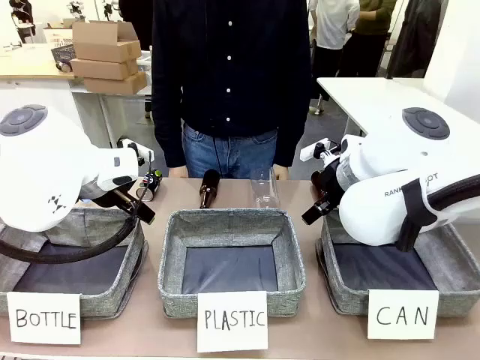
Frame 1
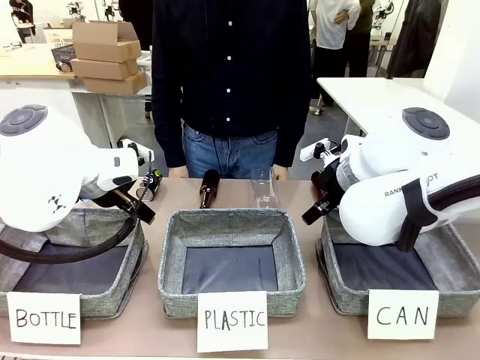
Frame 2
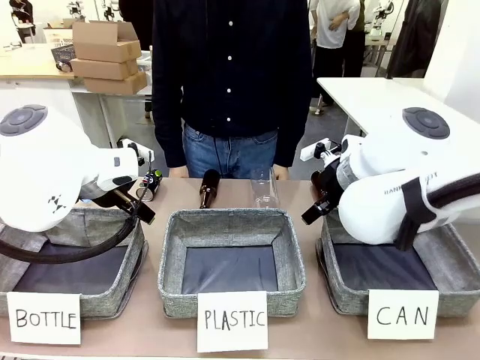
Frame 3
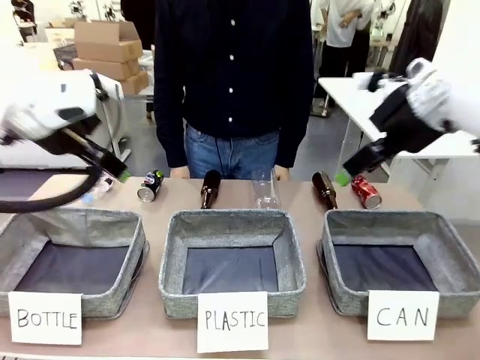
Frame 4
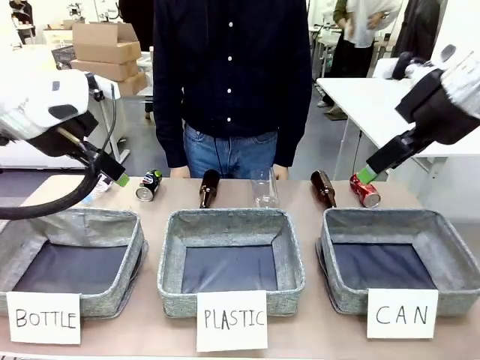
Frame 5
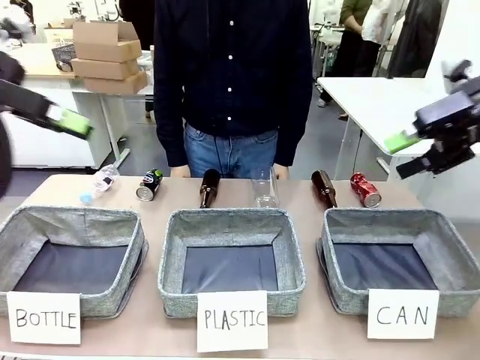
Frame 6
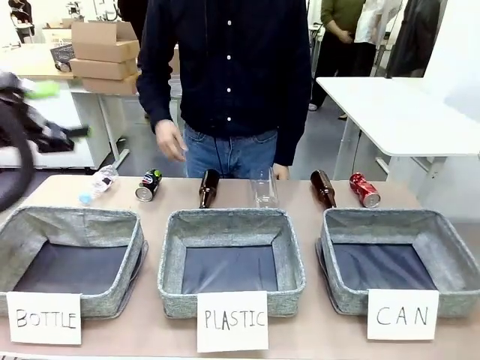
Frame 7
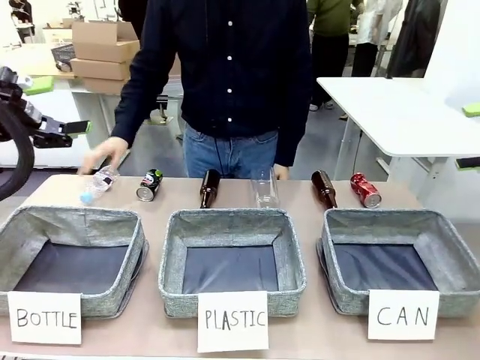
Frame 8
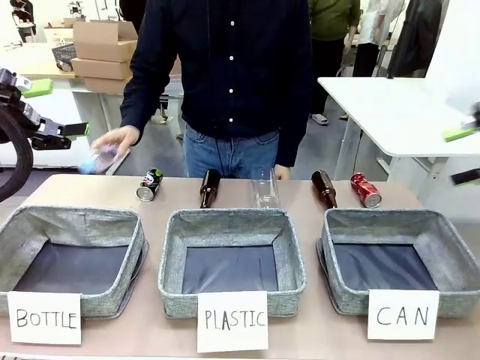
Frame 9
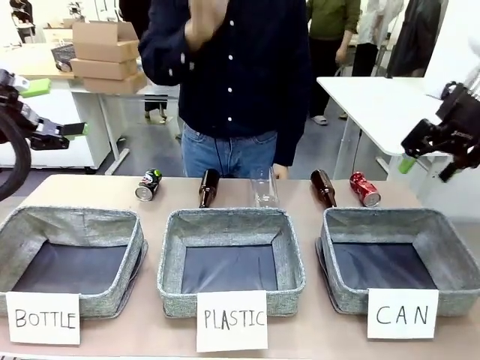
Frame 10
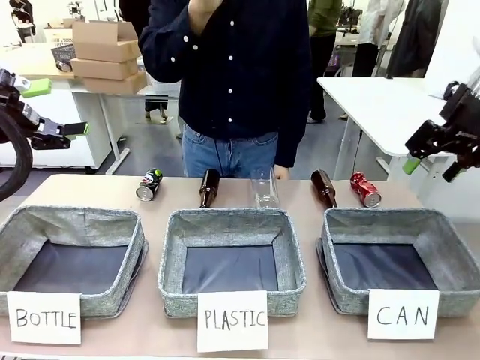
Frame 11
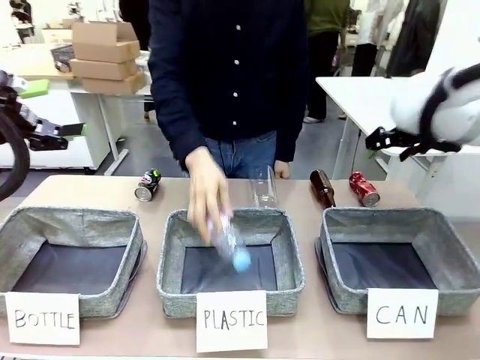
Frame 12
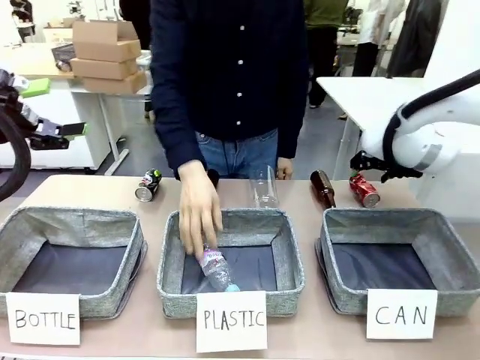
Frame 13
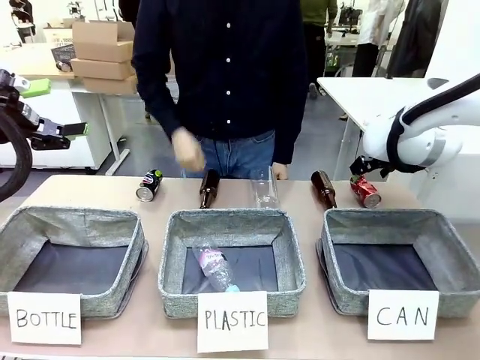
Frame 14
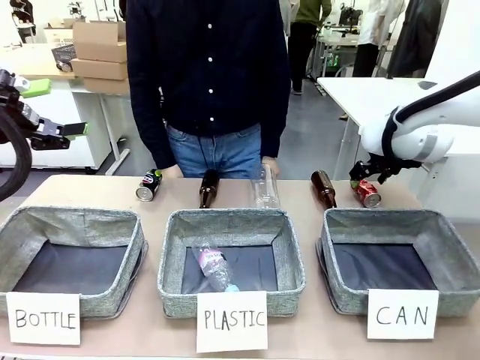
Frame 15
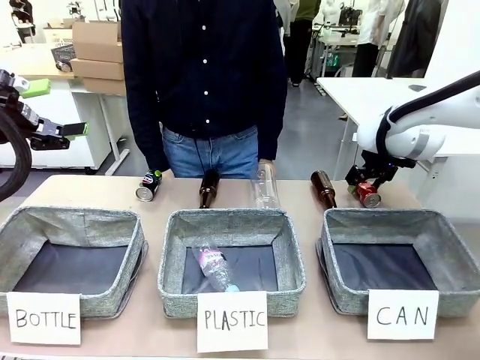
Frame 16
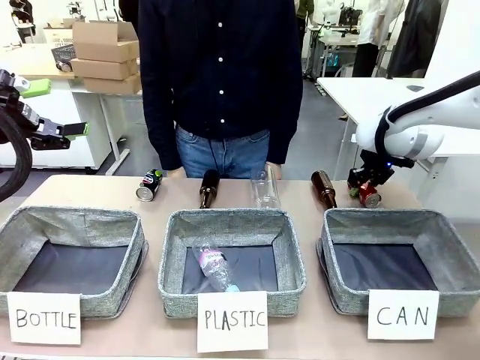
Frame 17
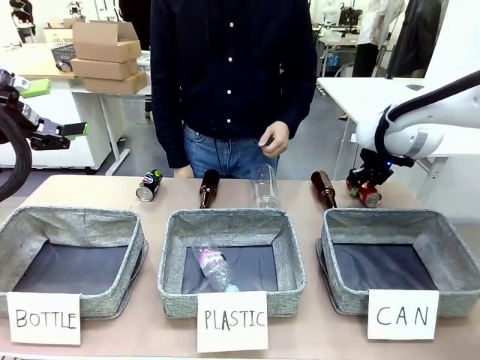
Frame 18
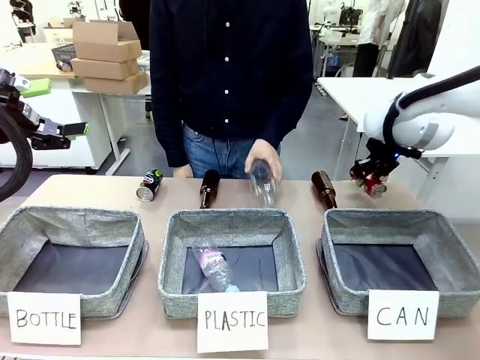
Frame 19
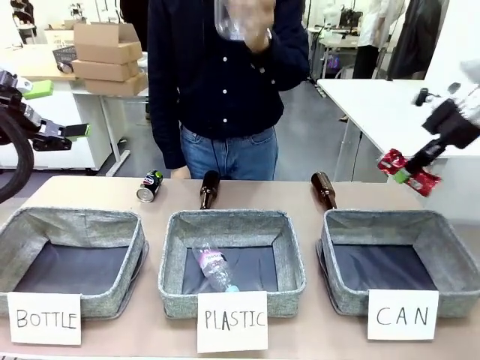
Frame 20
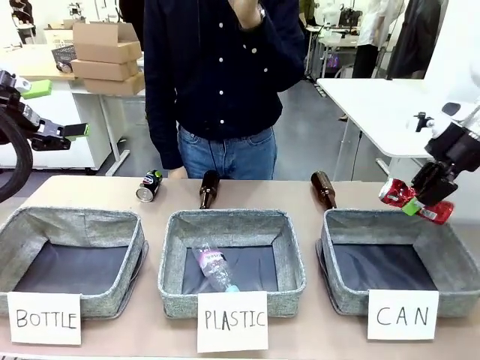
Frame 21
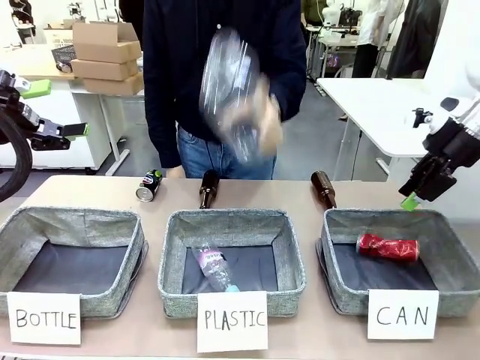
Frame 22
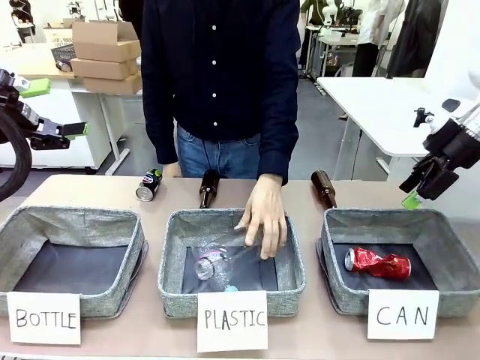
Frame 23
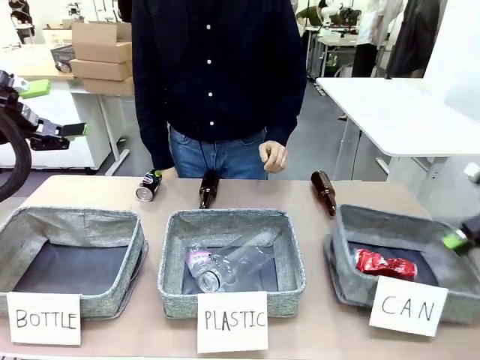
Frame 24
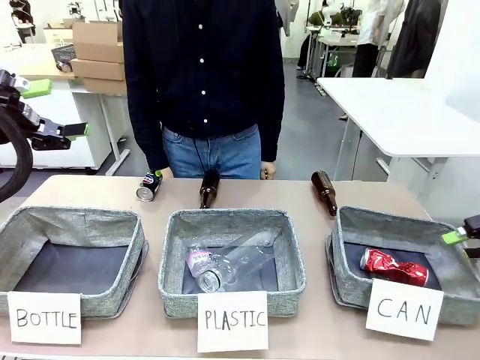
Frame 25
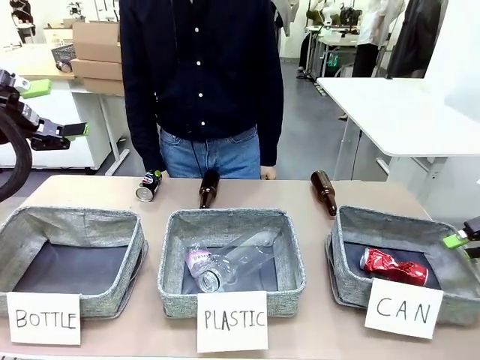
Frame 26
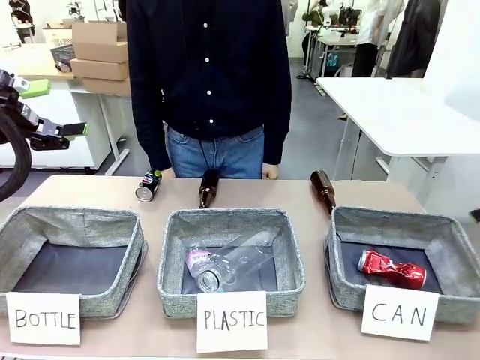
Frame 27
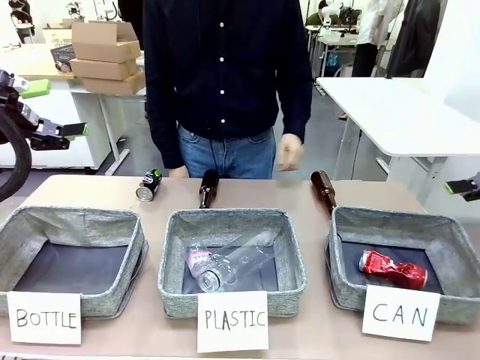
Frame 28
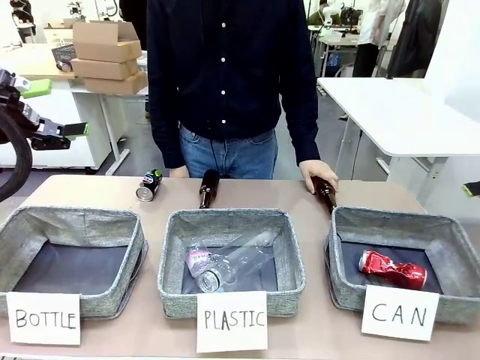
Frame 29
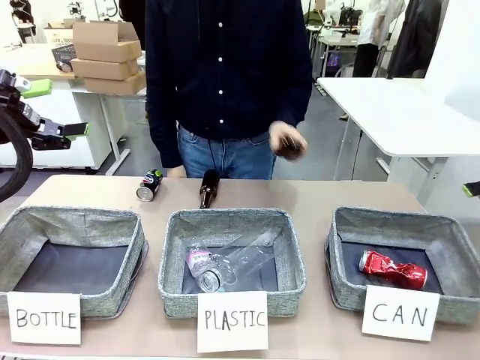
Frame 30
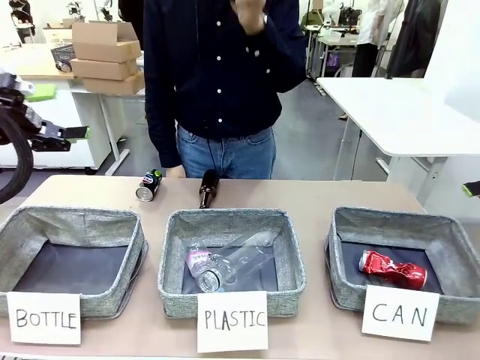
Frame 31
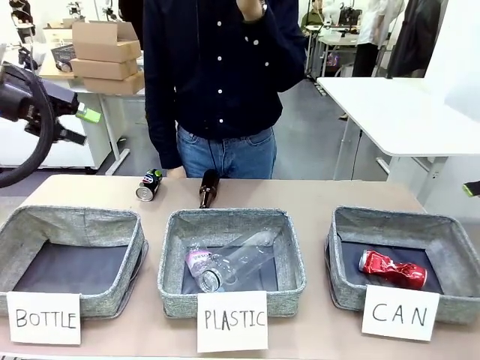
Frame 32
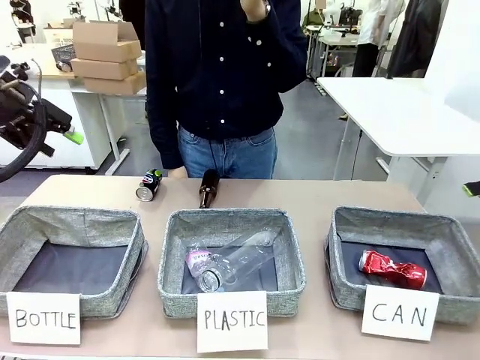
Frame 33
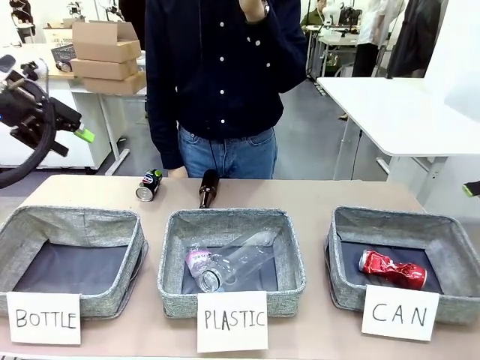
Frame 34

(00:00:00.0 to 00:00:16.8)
Task: Sort the can waste into the basket.
Robot: Pick up the can waste from the table and place it in the right Fabric basket.

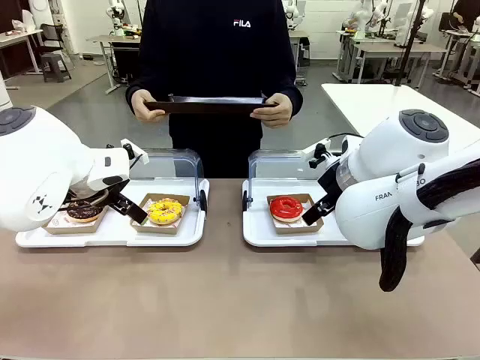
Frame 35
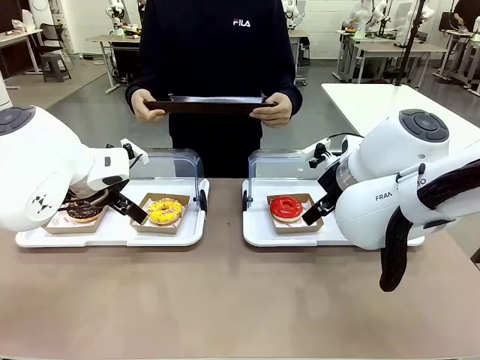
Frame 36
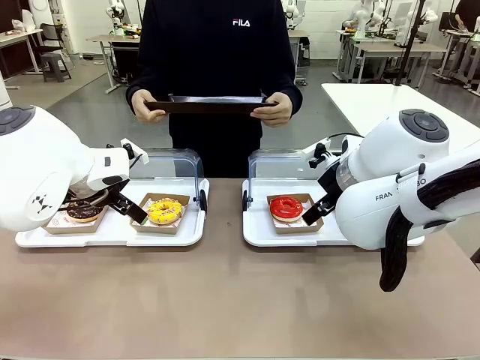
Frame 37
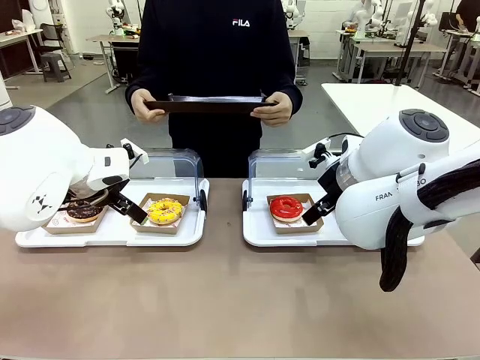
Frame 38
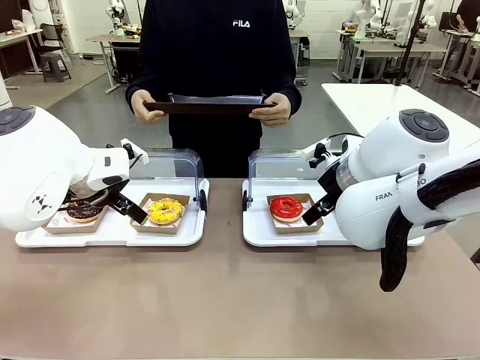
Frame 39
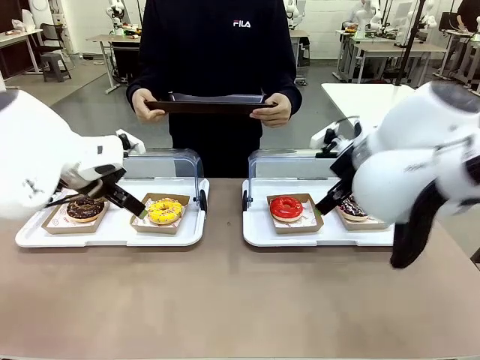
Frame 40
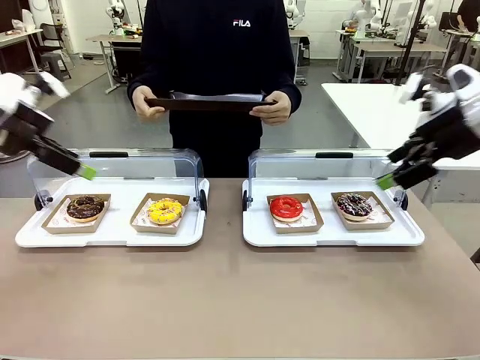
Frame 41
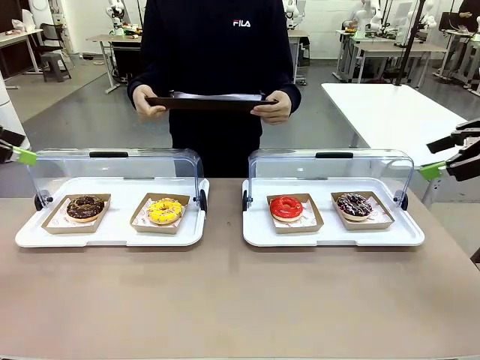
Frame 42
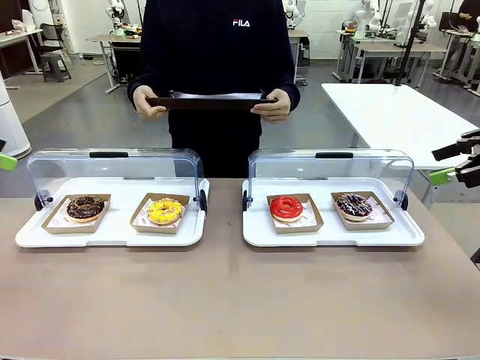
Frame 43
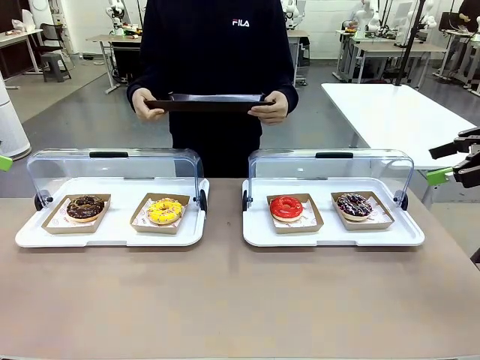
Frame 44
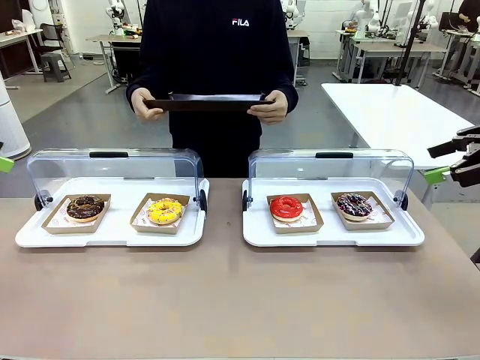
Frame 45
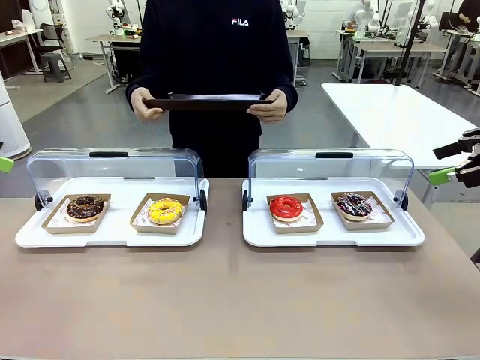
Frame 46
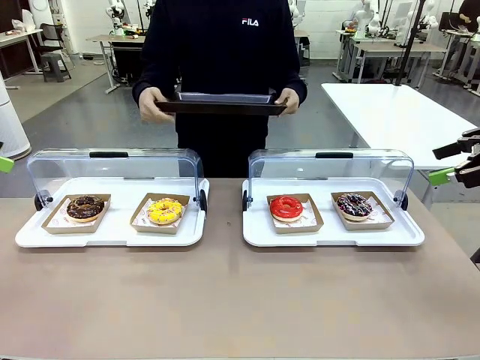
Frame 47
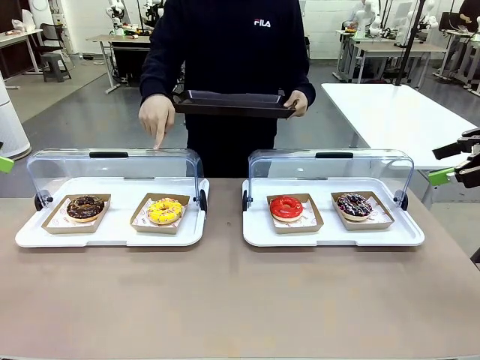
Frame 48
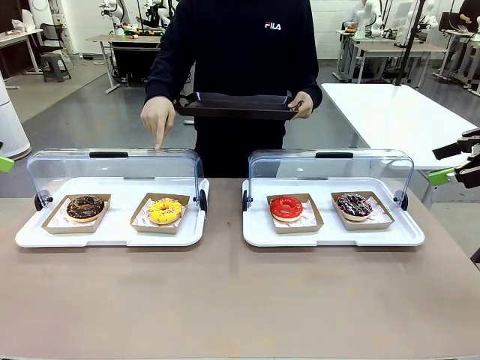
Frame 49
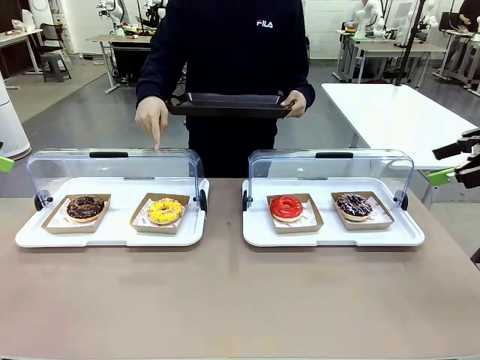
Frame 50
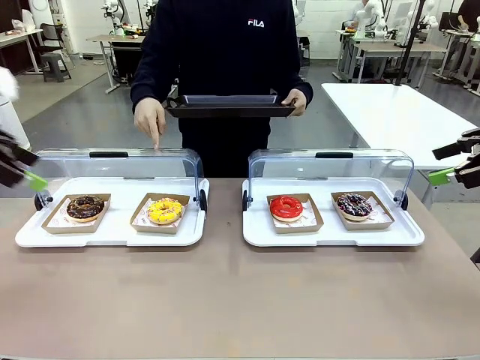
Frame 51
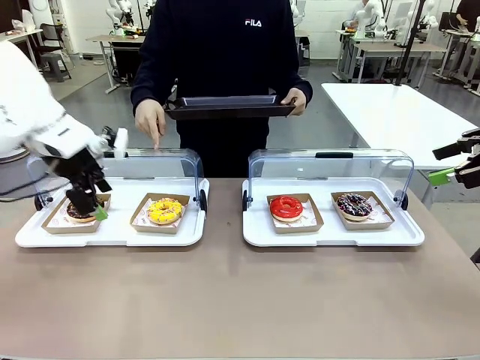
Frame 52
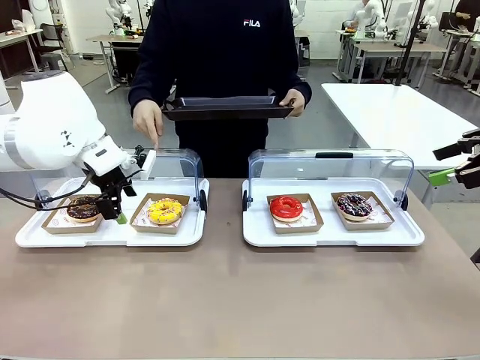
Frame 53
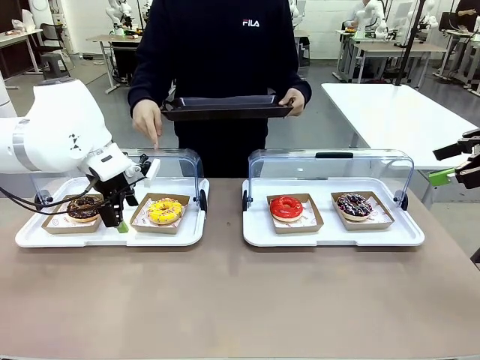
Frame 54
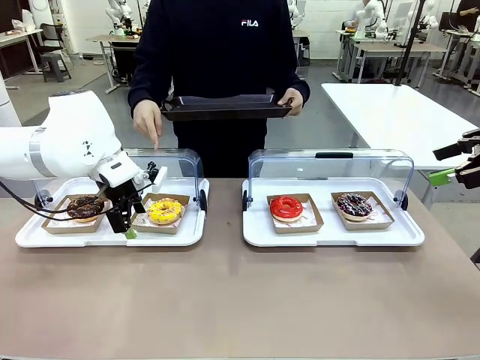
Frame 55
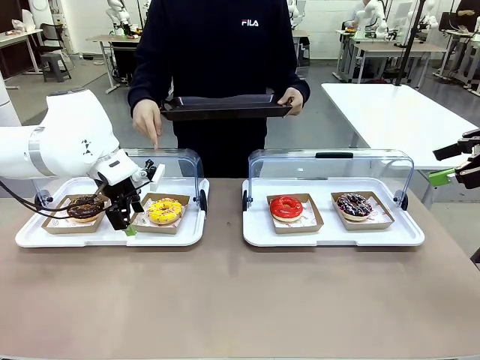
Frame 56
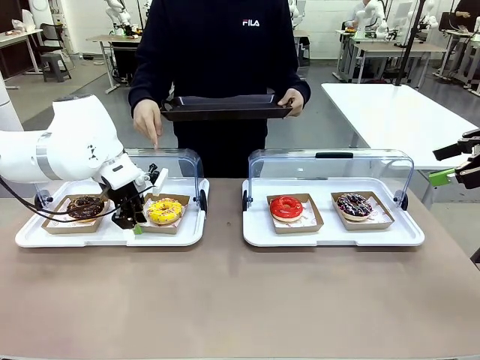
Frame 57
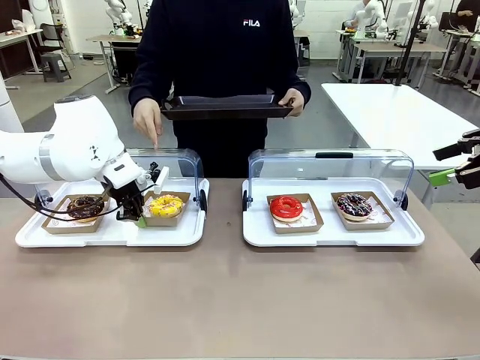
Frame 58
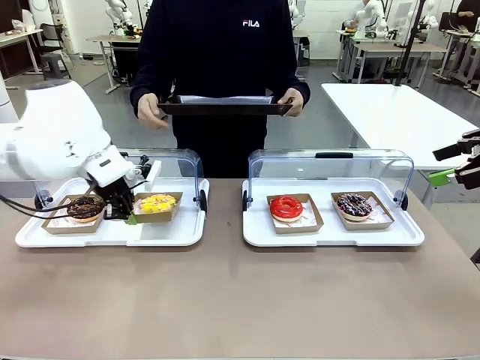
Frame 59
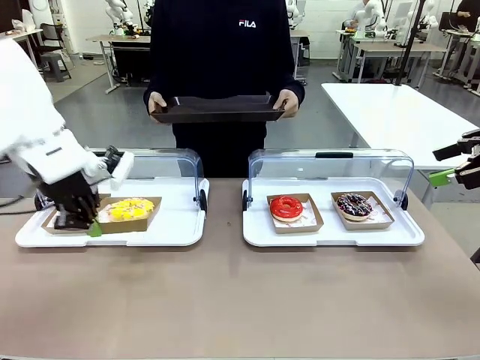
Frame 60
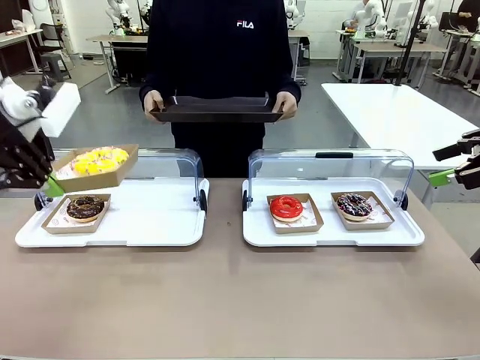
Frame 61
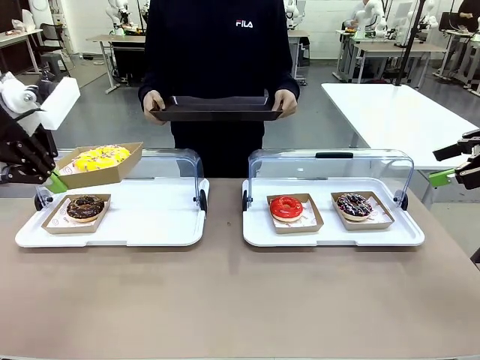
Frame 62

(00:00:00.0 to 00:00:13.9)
Task: Provide the desired donut to the person.
Robot: Pick up and lift the Paper togo box containing the Donut pointed at by the person.
Person: Point to one donut. Lift the tray onto the Roll-Top Bakery Case.
